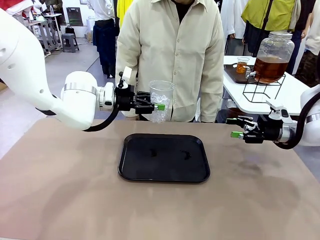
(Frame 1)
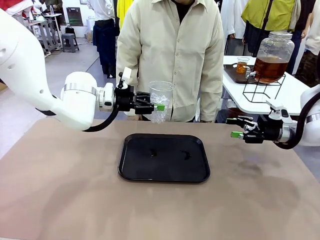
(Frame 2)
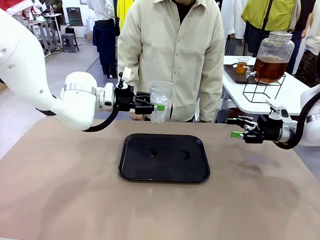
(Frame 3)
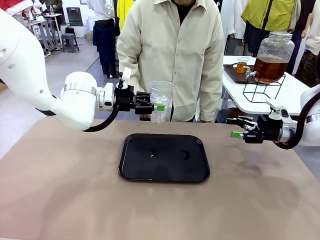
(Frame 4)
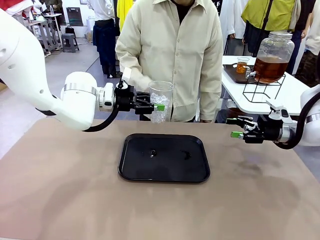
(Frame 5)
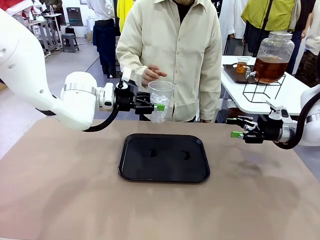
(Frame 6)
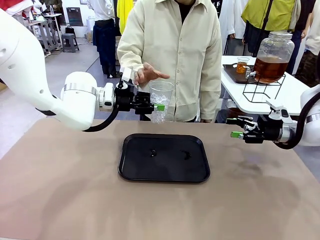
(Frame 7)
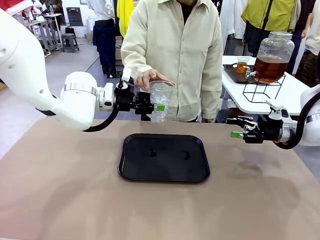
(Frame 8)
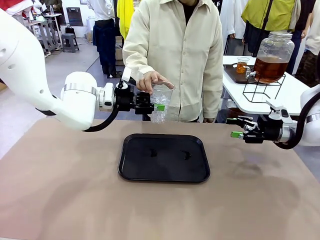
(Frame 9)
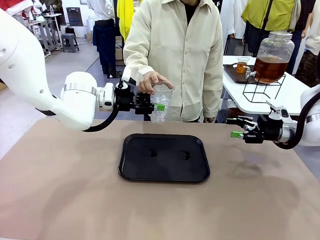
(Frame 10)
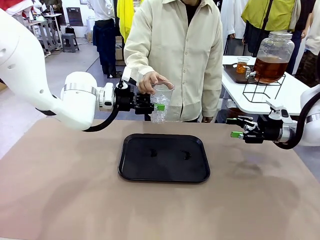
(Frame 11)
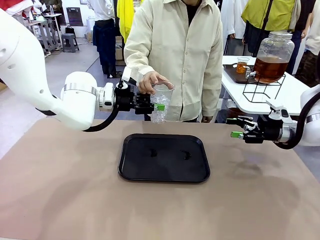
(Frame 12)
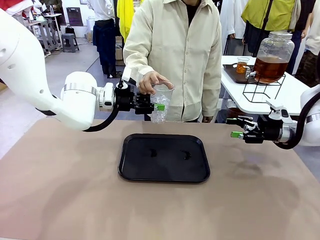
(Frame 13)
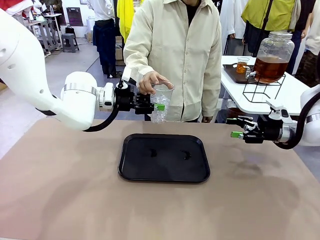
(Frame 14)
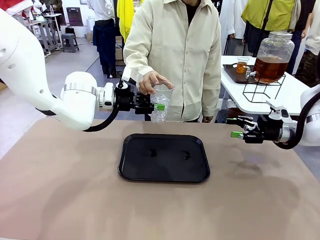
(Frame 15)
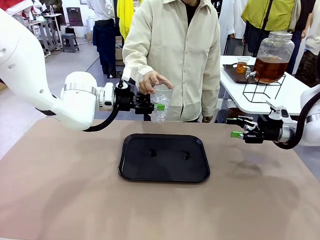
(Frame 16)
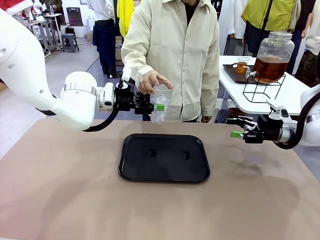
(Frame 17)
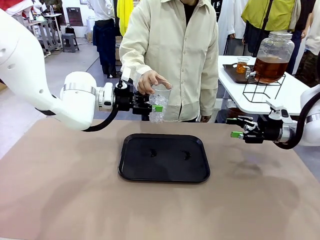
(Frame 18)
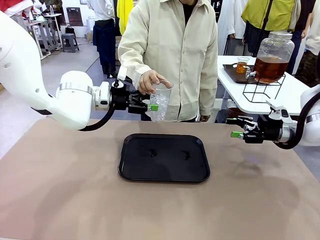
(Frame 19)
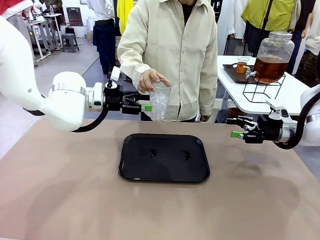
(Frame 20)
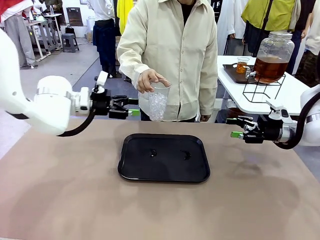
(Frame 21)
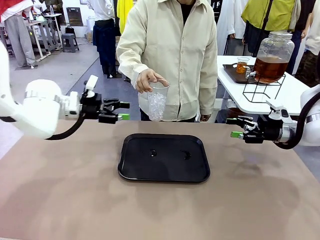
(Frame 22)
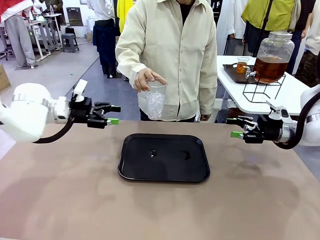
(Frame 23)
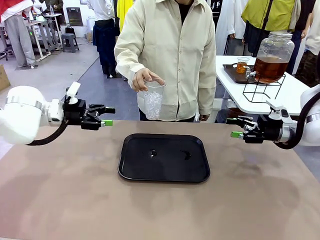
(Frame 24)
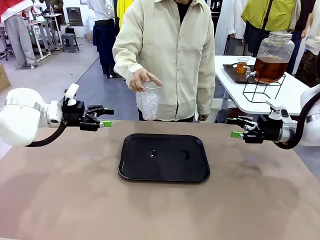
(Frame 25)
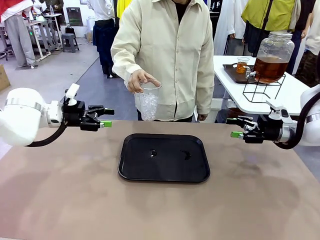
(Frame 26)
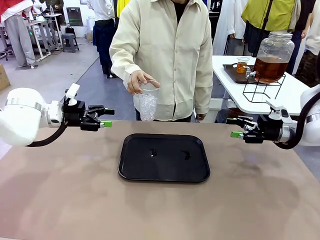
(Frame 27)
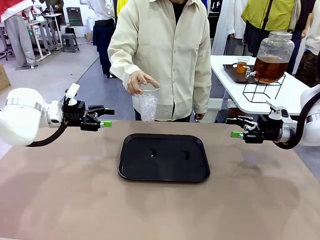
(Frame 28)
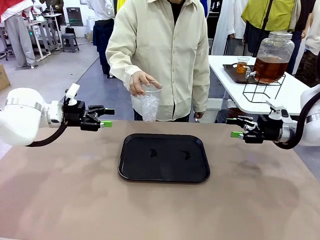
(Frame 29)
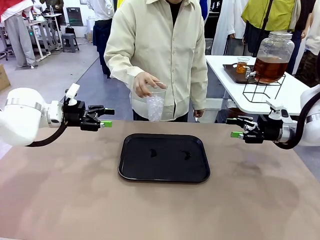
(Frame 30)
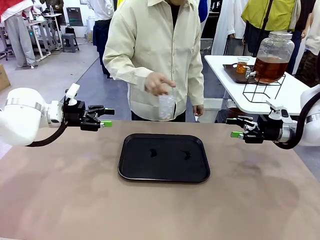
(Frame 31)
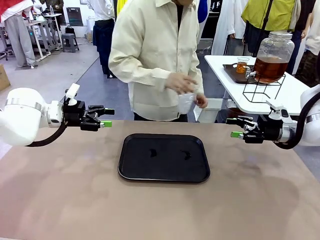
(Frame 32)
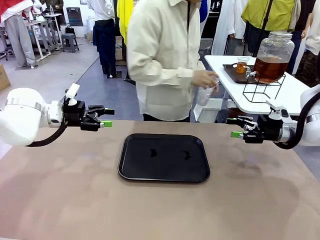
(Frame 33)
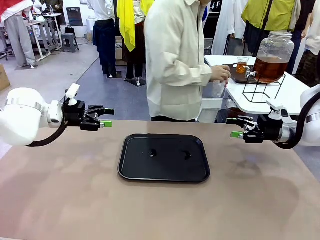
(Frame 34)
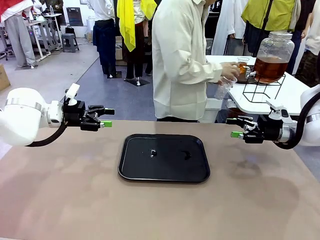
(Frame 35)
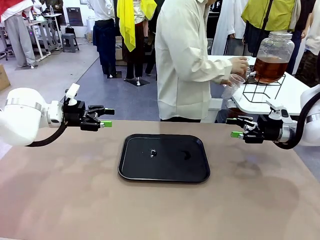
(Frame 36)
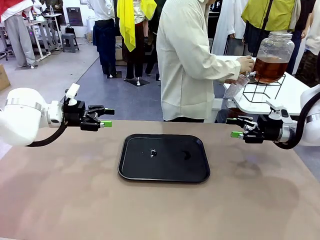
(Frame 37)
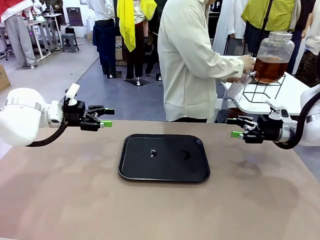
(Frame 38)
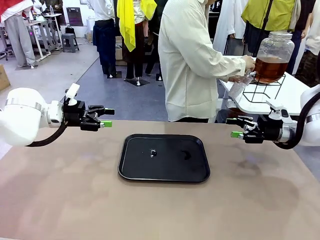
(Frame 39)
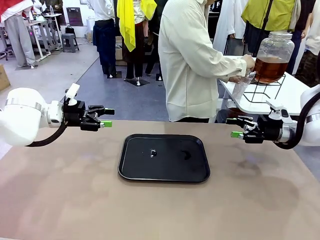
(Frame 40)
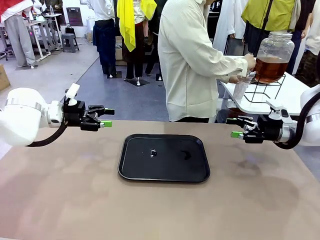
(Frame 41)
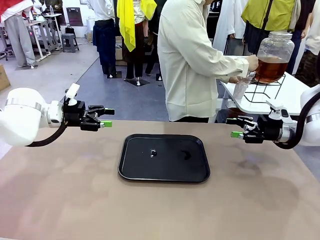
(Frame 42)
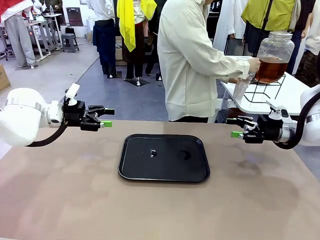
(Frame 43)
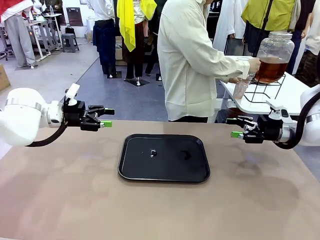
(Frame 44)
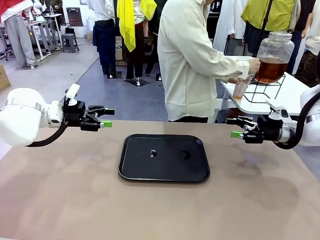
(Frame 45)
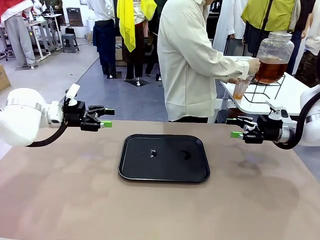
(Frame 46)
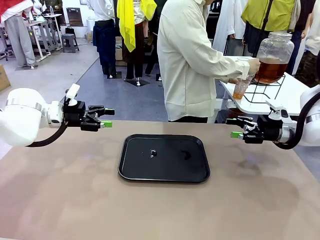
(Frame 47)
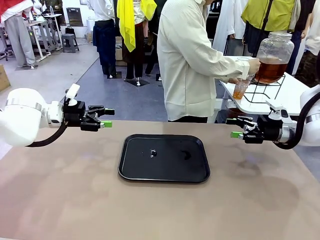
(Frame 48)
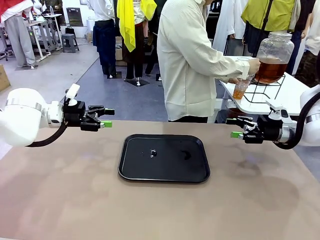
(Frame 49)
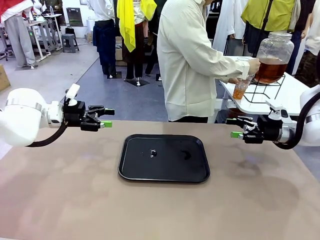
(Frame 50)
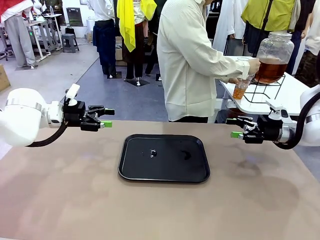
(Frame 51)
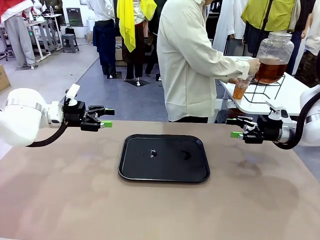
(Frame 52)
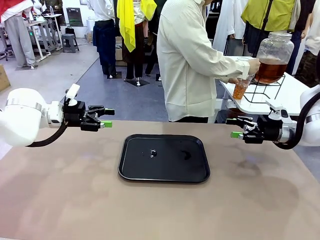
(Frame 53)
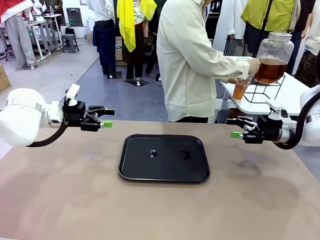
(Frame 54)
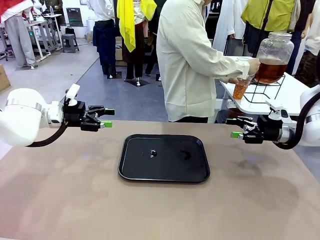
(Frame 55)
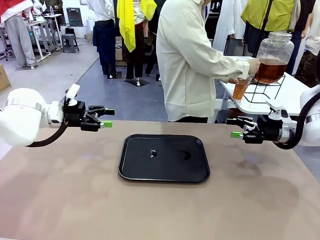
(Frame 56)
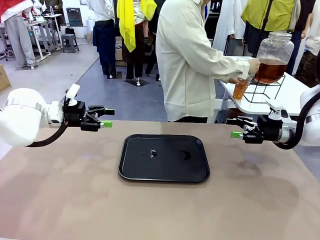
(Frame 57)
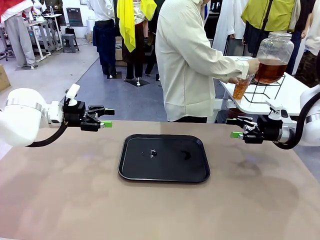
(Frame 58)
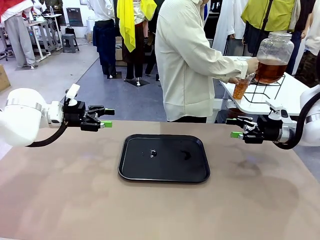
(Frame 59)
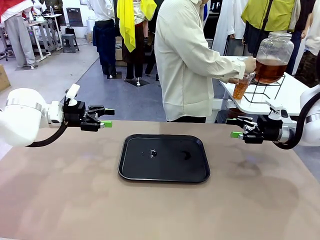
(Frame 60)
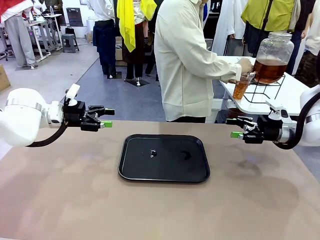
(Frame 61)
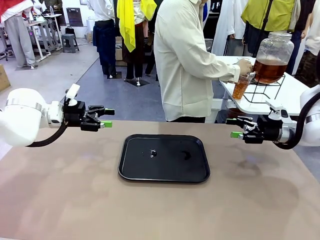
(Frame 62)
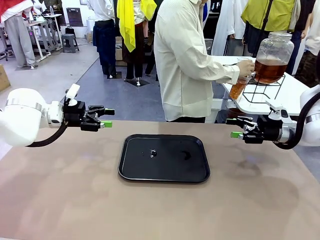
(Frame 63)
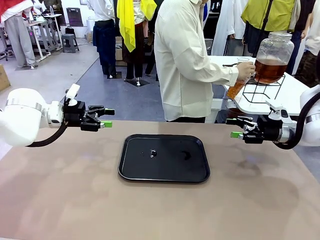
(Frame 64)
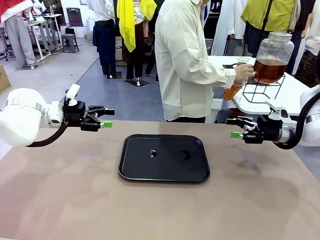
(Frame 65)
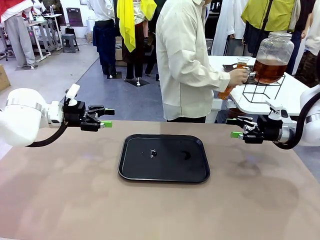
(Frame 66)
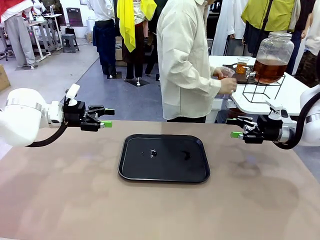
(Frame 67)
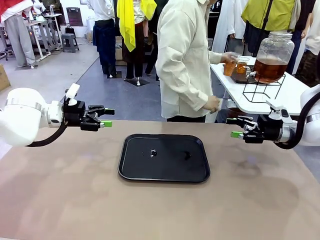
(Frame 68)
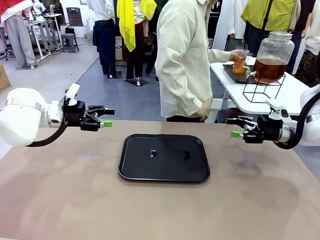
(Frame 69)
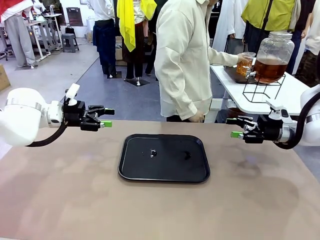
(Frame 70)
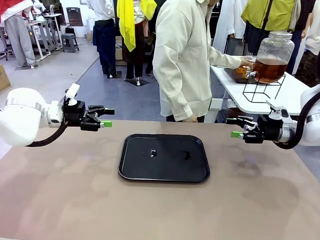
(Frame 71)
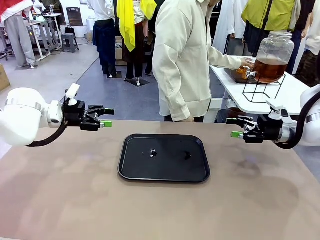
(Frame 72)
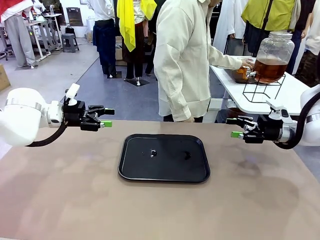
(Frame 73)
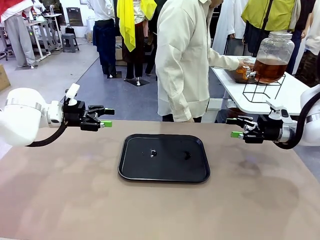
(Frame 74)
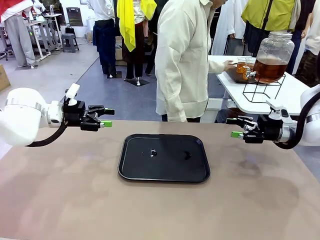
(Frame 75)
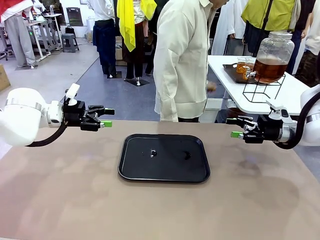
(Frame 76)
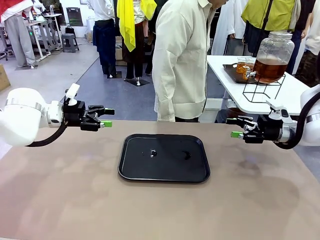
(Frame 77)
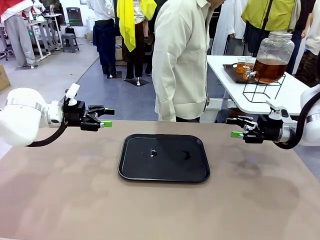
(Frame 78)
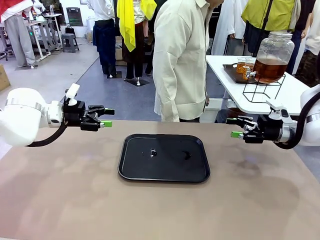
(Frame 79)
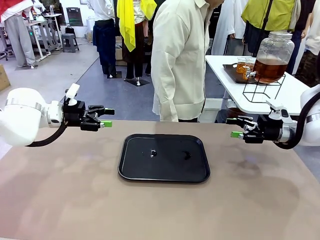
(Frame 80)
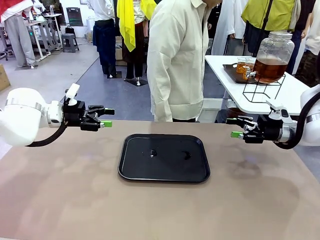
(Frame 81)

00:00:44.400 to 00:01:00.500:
Task: Pour the drink into the iced cup.
Robot: Open the gripper to release the iced cup you were holding.
Person: Move the picked-up cup under the dispenser faucet, pour the drink, and place it on the tray on the human table.

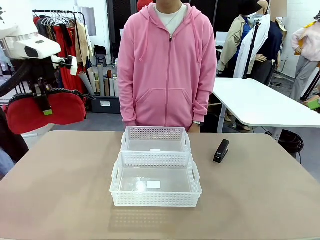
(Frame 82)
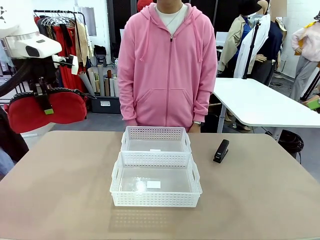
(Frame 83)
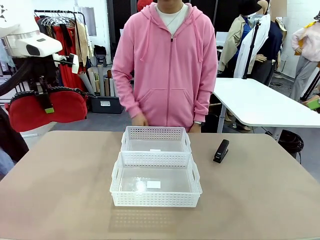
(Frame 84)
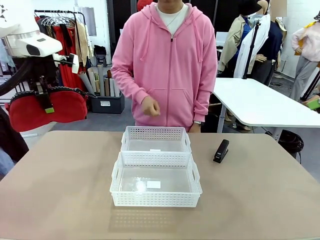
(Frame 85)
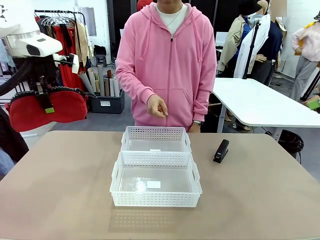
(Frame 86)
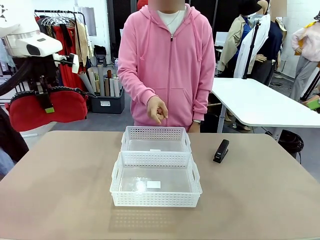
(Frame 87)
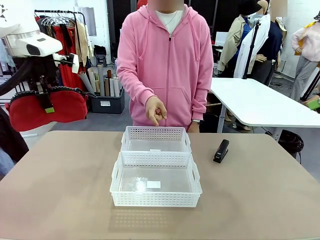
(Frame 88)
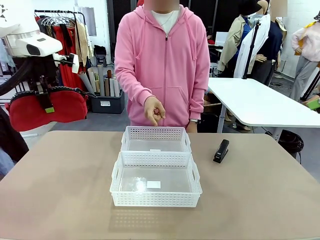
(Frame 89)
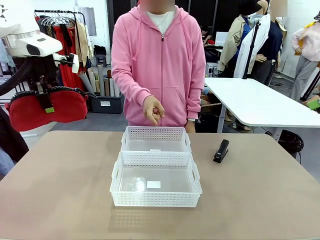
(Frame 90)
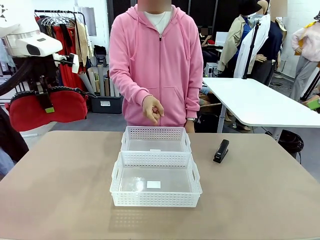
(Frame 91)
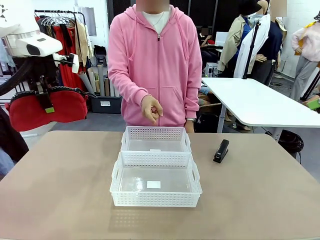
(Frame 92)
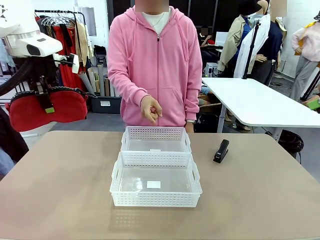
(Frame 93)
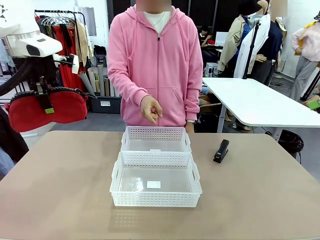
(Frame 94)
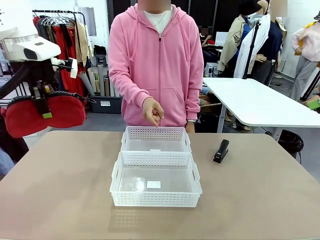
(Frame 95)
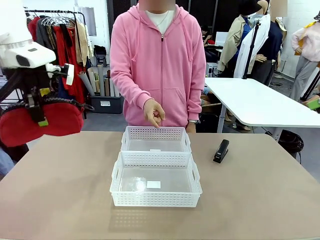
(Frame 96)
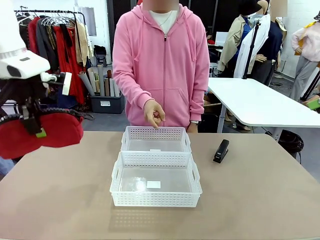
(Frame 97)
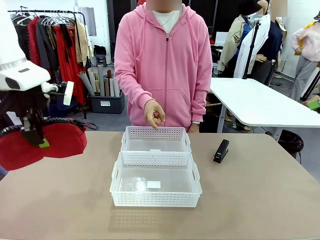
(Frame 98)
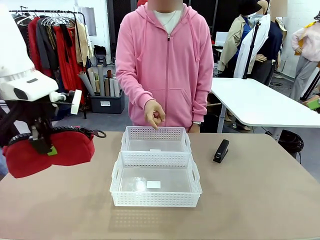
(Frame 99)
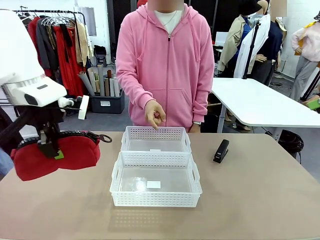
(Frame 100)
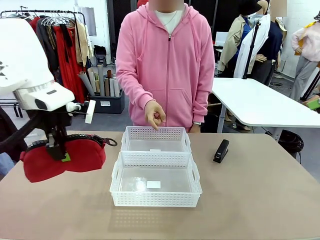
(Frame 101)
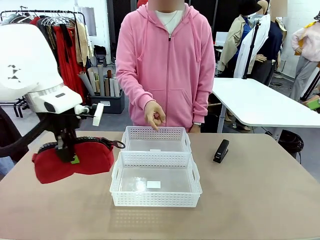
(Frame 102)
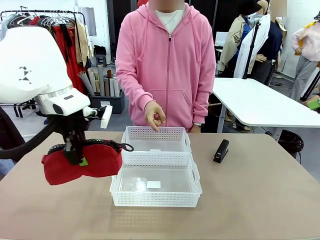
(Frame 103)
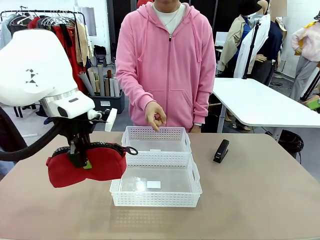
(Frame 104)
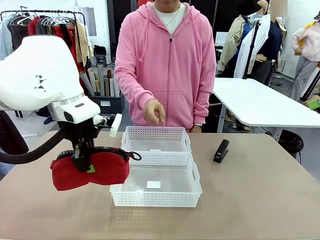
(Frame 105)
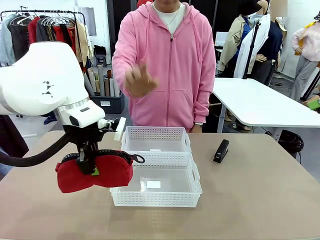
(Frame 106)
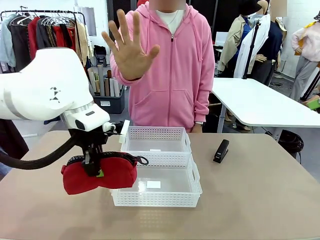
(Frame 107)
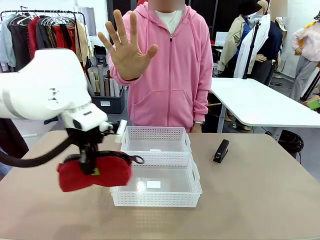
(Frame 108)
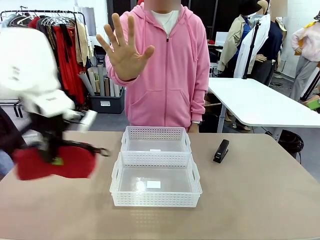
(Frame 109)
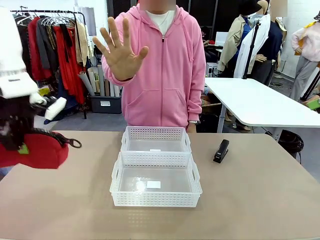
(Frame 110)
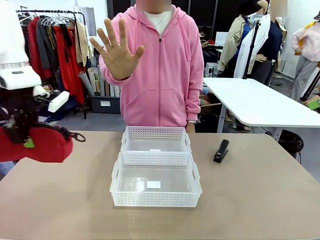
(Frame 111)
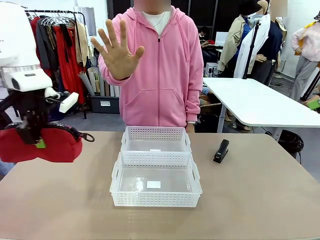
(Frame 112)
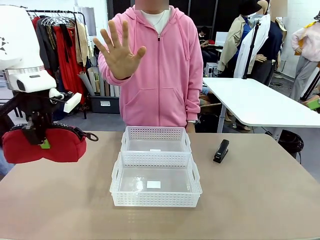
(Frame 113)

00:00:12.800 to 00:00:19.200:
Task: Distribute items into two baskets.
Robot: Move the picked Pencil pouch towards the Organizing basket indicated by the person, stopping as directed.
Person: Sends a stop gesture before the robot places the pencil case into the basket.
